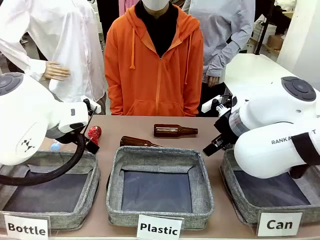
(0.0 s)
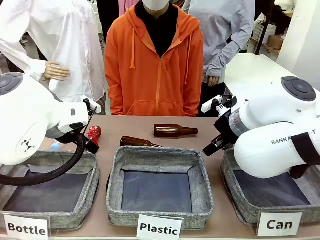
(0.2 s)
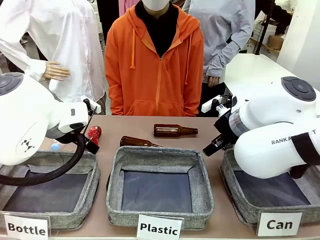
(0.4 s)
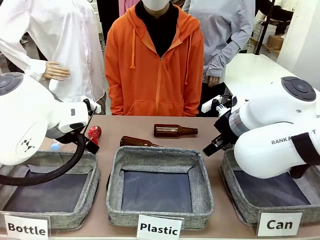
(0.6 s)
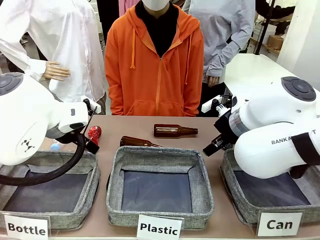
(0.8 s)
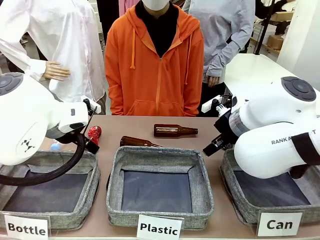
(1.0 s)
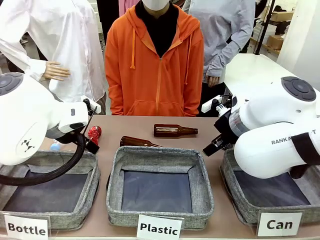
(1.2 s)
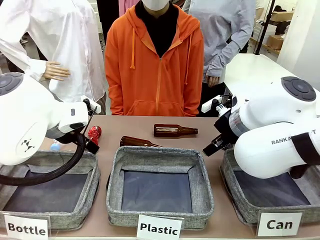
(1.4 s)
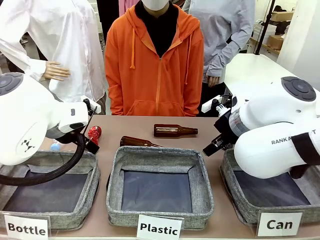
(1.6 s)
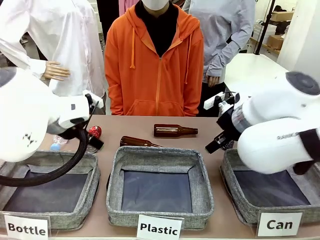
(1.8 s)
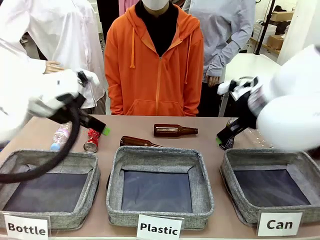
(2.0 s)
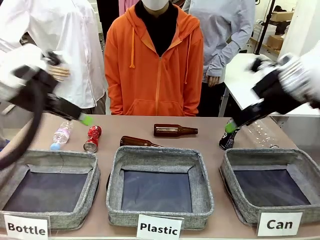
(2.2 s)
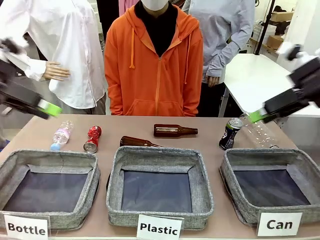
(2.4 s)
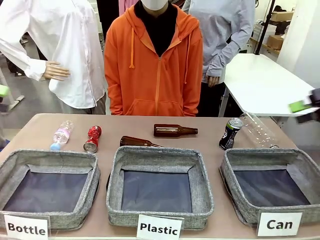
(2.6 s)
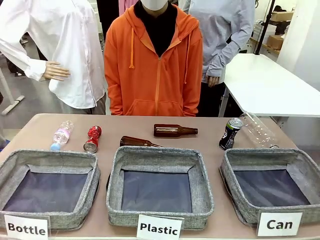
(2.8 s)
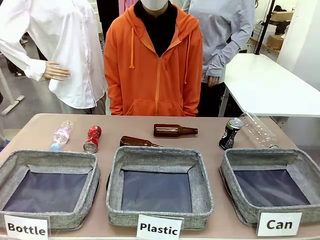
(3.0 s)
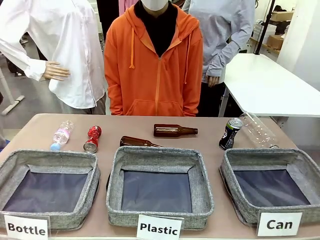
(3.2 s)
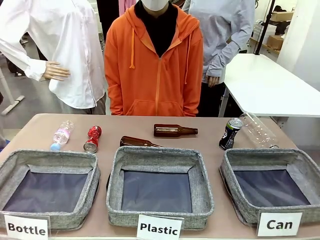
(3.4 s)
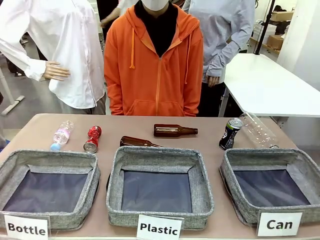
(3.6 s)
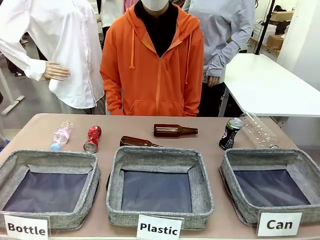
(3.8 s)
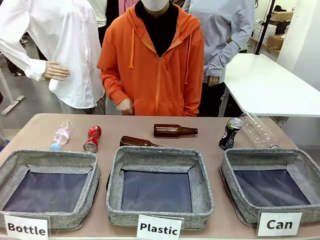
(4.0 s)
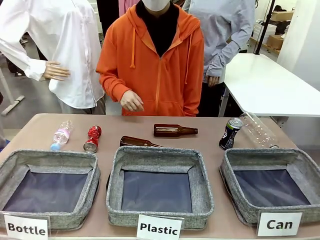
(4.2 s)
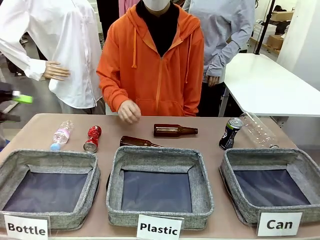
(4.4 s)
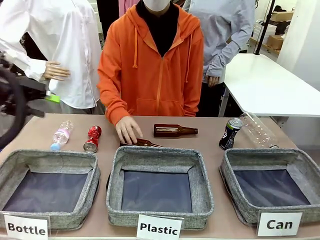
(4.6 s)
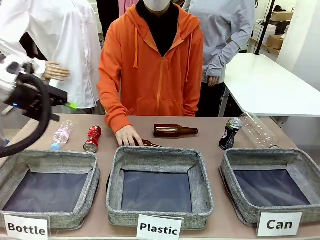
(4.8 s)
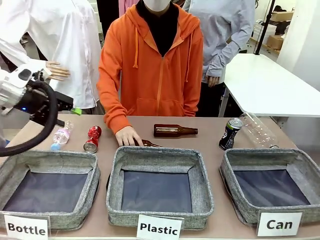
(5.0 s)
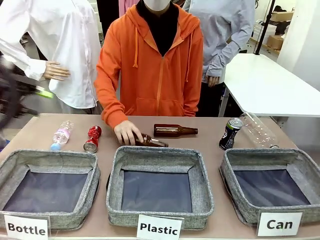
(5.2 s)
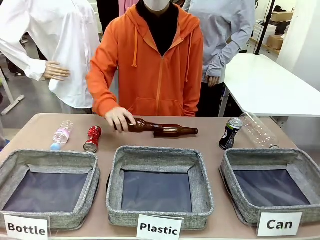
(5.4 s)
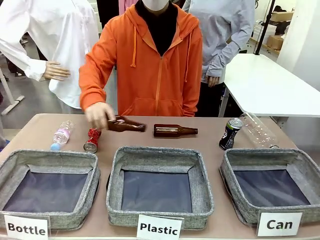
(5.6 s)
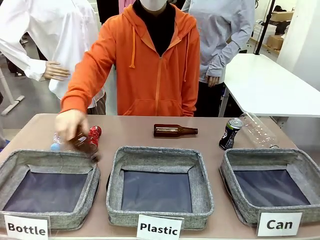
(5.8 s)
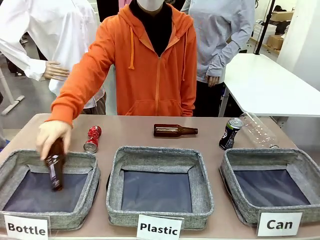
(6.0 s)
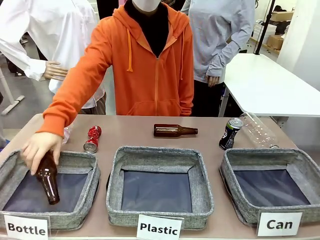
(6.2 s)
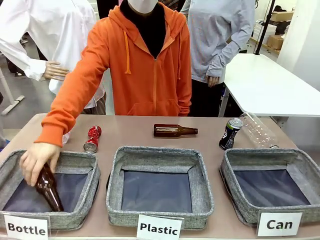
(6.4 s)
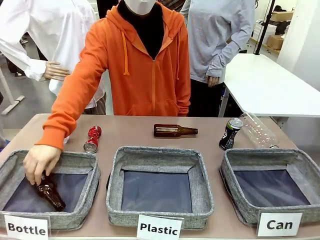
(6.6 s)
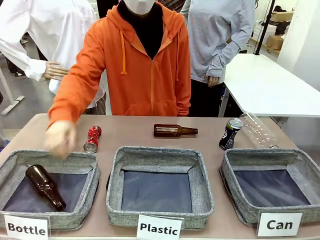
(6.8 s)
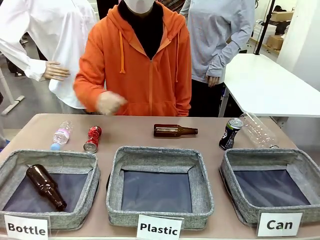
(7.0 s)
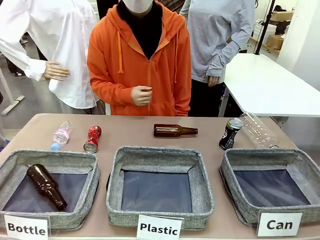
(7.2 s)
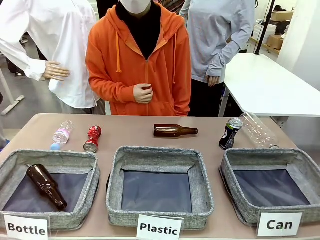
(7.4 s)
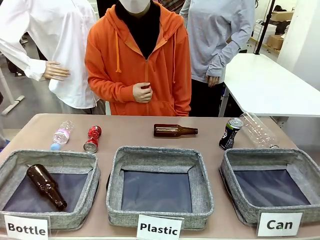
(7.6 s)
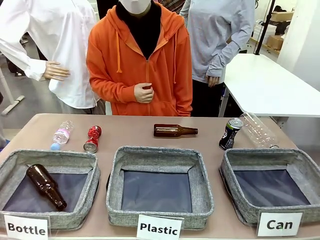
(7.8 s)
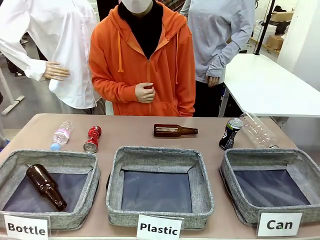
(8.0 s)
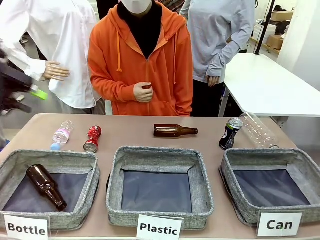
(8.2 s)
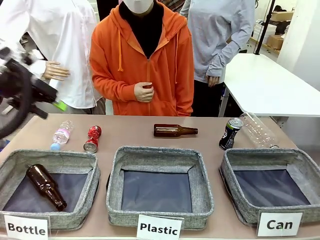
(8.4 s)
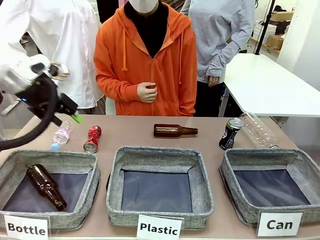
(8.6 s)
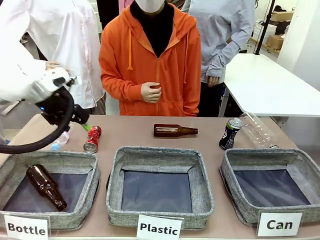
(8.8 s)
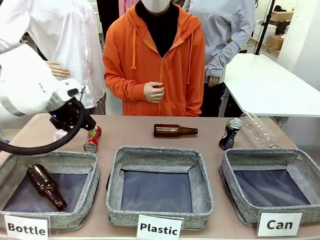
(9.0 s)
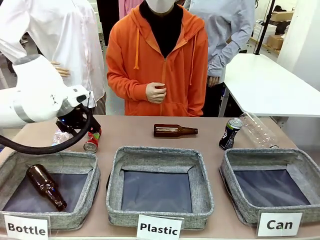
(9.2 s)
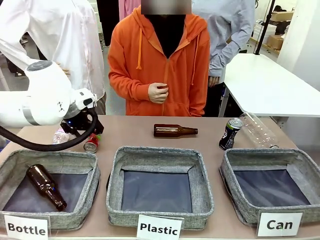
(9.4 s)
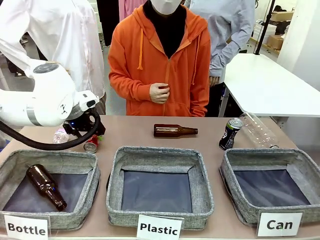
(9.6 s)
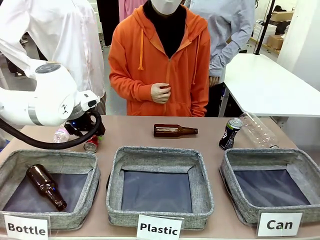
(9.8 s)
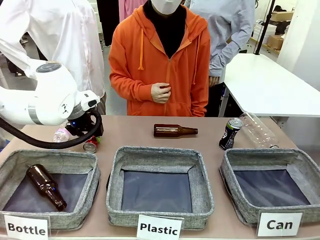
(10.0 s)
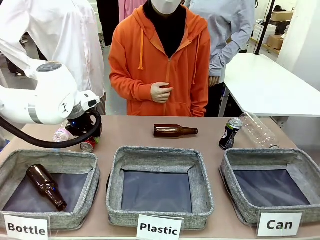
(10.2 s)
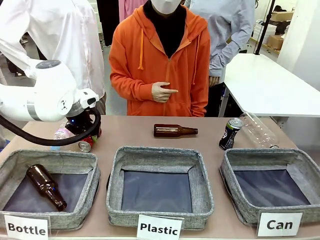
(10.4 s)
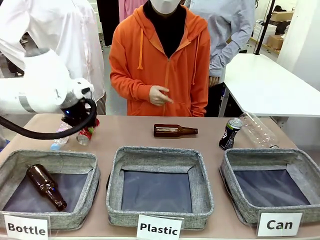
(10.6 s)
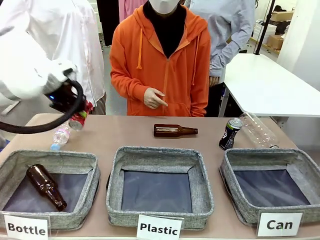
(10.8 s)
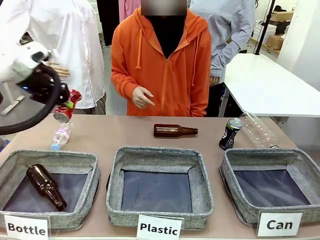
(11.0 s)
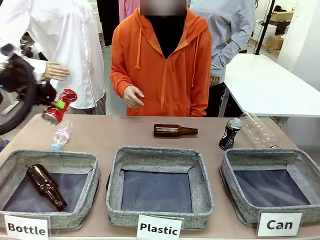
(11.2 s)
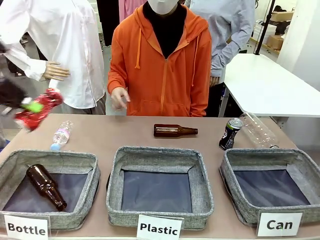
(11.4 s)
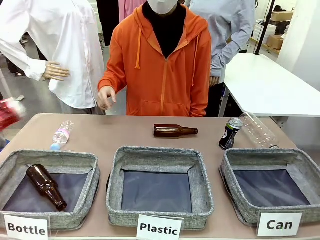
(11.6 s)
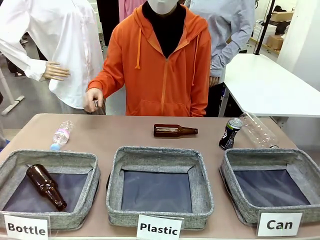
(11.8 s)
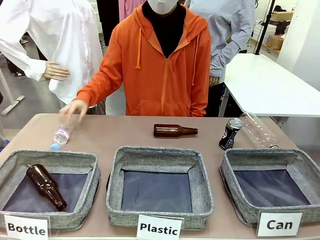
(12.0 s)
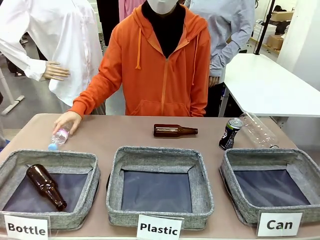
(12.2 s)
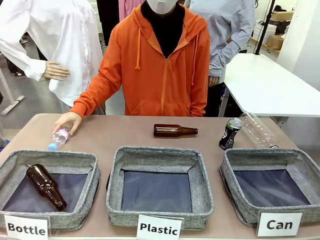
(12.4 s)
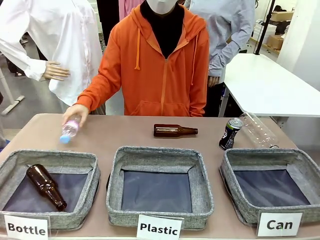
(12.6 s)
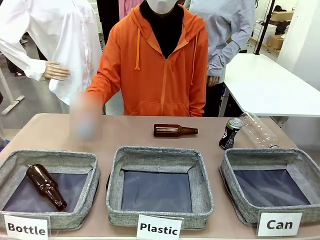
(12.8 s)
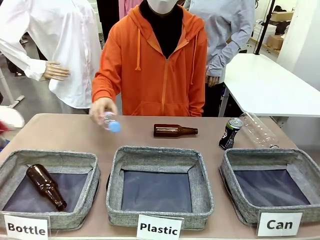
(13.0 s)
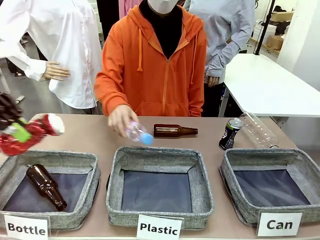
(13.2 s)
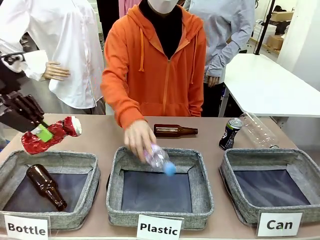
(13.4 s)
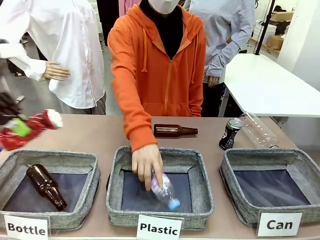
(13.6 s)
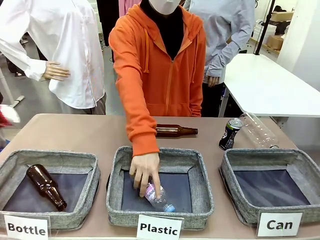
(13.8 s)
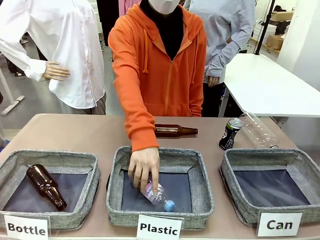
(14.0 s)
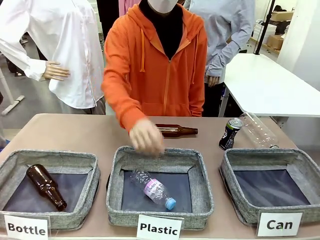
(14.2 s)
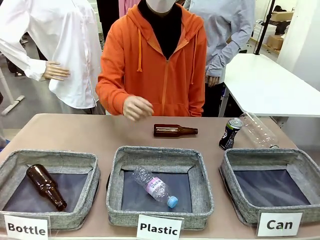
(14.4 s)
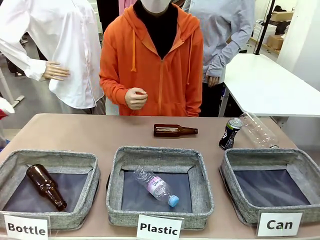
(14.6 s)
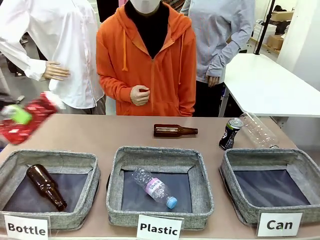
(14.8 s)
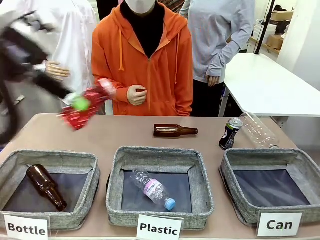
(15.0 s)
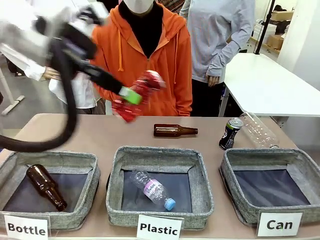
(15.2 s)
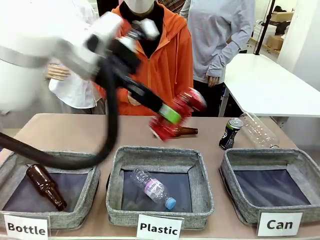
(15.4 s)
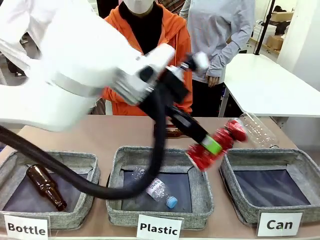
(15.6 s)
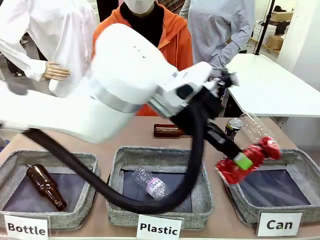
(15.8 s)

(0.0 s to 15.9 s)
Task: Sort the can waste into the basket.
Robot: Pick up the can waste from the table and place it in the right Fabric basket.
